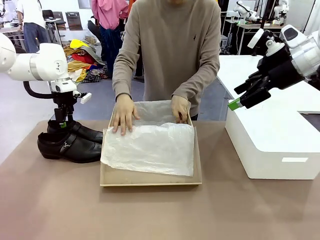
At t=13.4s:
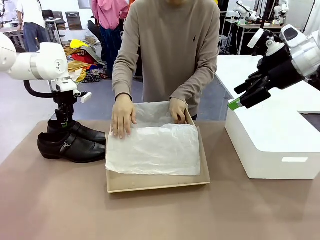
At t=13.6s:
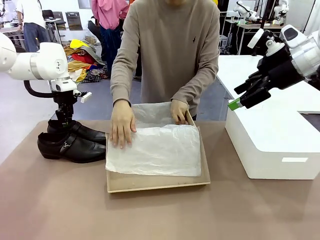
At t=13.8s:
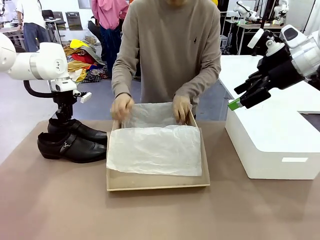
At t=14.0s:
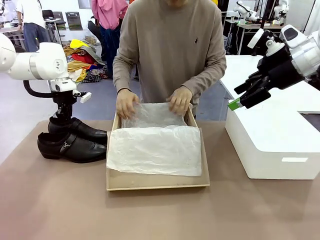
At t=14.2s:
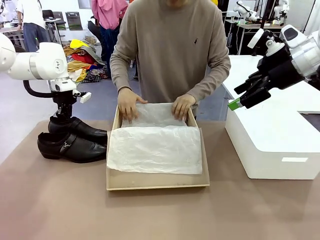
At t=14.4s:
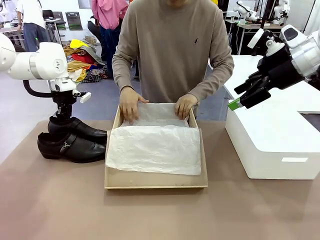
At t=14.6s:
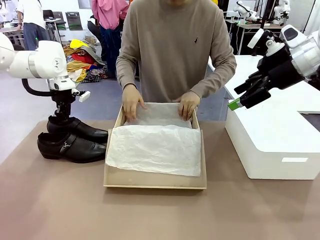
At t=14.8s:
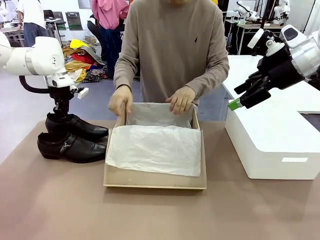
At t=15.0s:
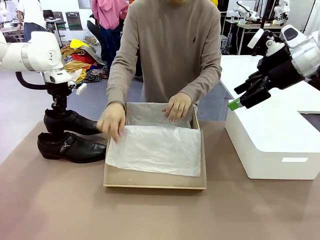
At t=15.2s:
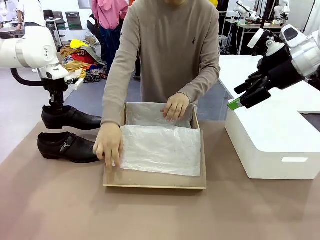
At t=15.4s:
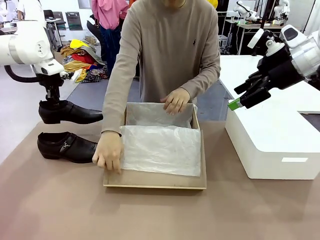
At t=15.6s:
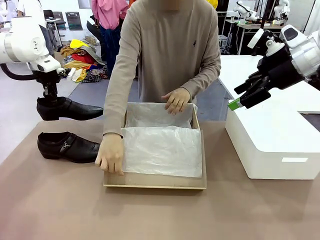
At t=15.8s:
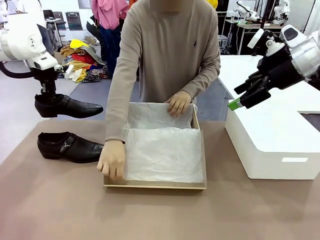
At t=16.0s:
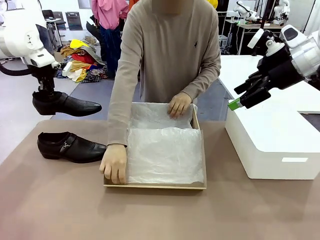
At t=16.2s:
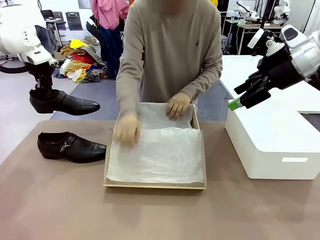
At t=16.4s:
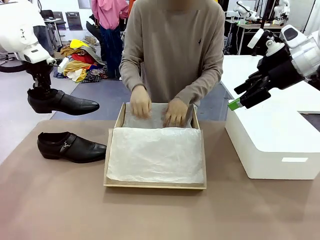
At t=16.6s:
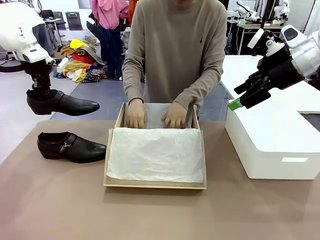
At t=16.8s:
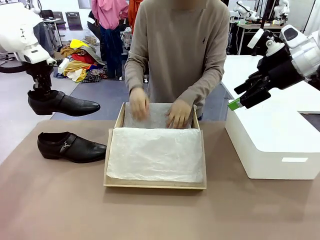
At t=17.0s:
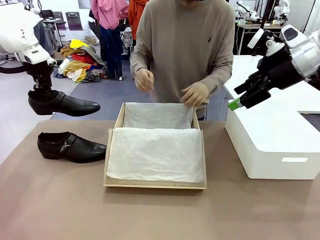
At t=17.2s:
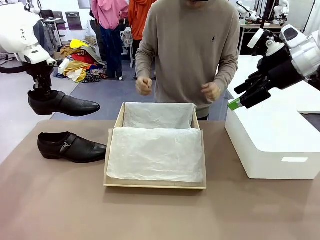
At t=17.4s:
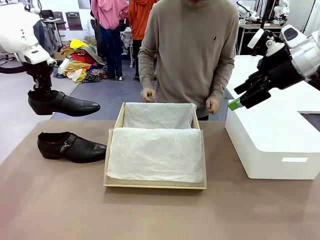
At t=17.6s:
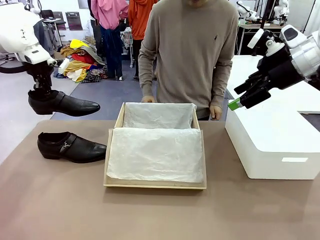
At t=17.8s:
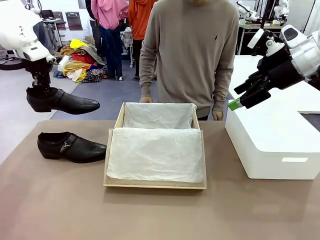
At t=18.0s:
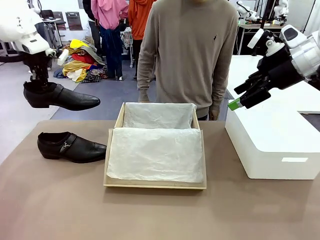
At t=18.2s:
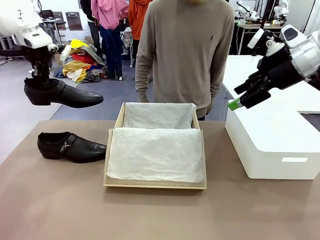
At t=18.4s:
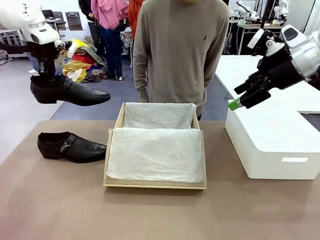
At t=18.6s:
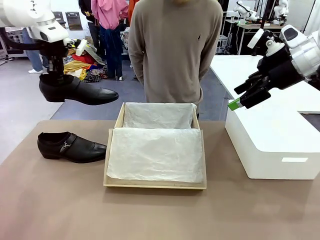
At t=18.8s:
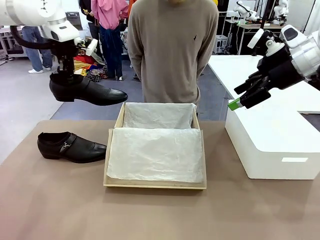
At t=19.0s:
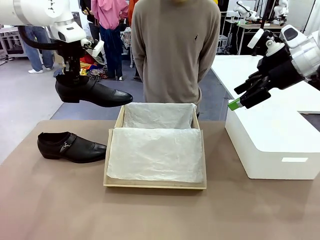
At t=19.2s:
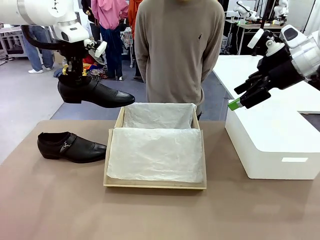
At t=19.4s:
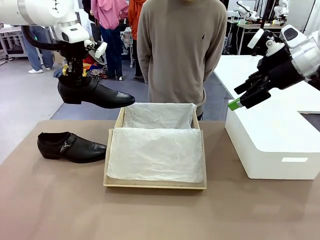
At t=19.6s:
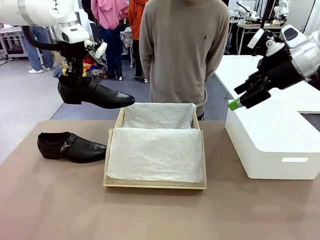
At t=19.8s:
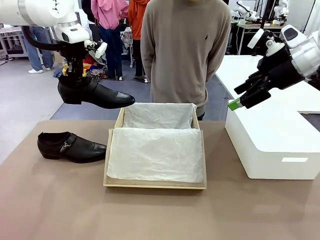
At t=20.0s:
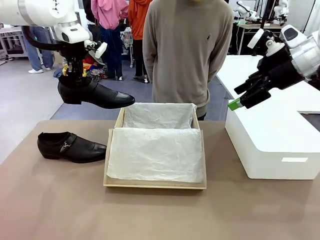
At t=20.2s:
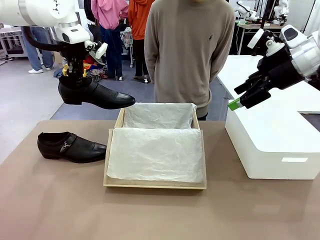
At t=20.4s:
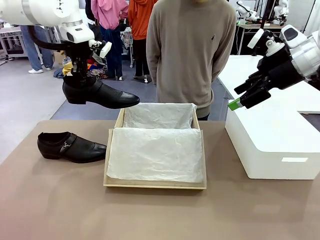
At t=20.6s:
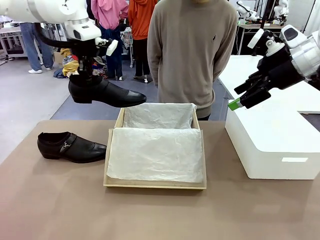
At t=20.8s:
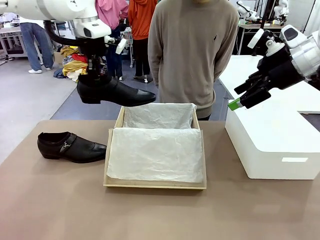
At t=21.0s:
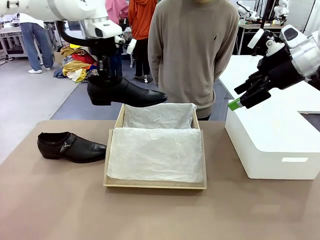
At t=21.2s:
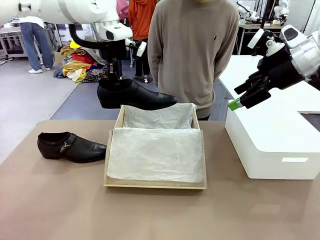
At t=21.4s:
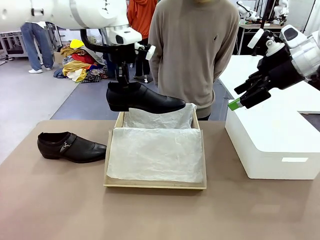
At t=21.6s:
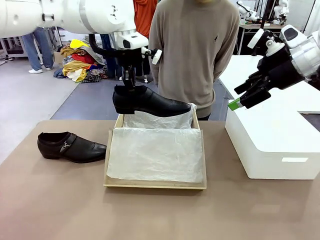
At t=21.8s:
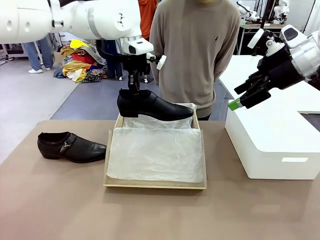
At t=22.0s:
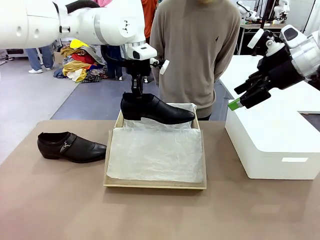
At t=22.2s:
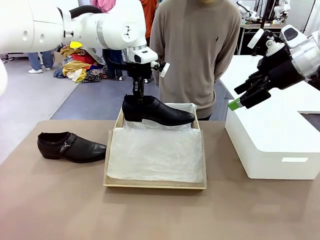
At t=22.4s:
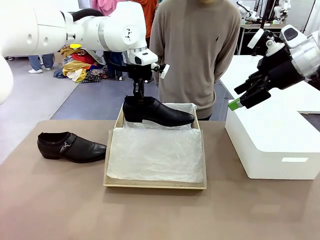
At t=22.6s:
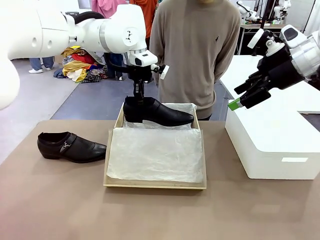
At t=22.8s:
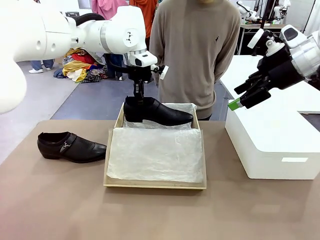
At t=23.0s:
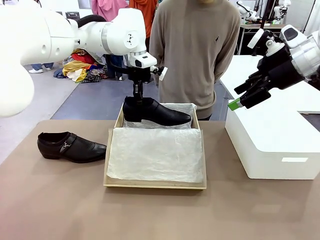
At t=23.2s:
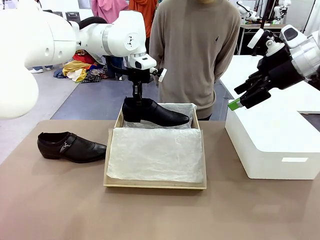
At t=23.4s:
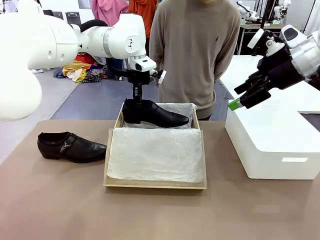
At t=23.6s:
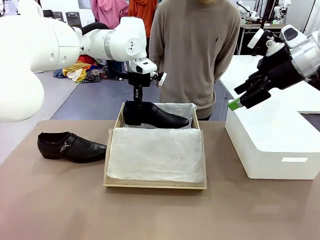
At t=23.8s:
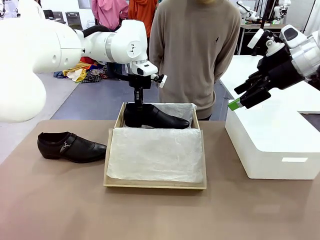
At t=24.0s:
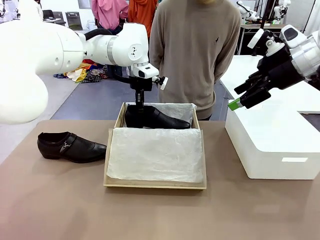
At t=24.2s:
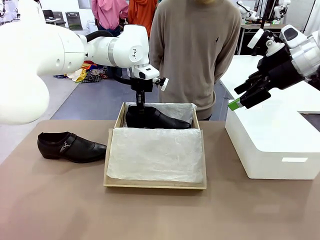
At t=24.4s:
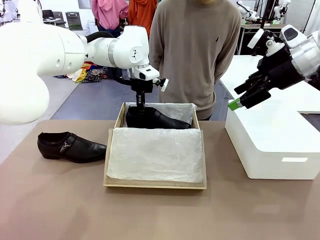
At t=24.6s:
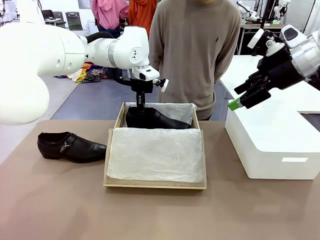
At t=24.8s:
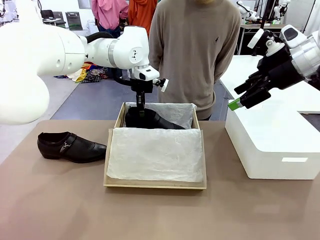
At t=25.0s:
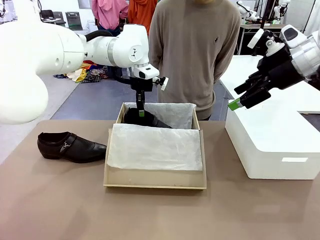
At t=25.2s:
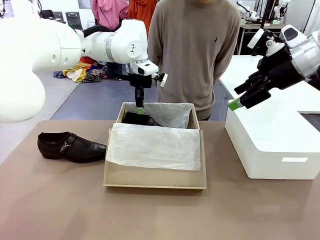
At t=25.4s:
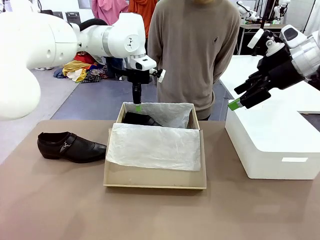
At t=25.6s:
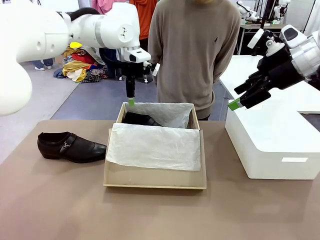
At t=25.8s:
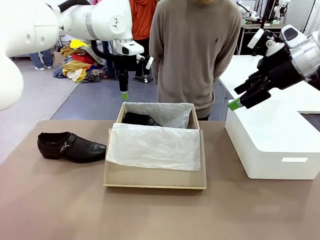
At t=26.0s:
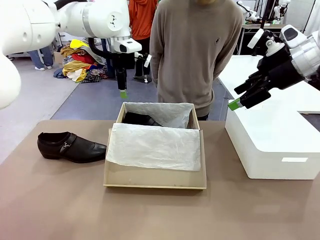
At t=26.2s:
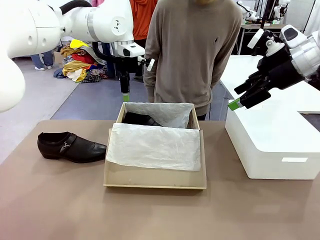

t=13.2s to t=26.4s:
Task: Pack the shoes into the box.
Robot: Place one shoe of the Shoes into the Shoes Box.

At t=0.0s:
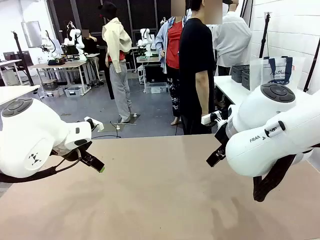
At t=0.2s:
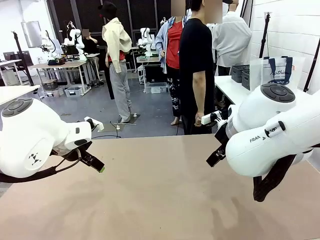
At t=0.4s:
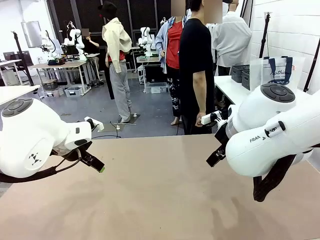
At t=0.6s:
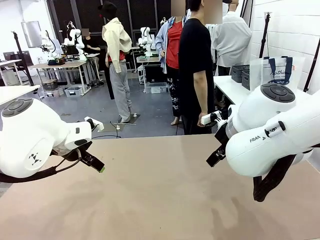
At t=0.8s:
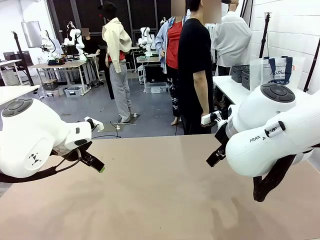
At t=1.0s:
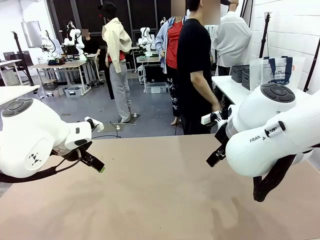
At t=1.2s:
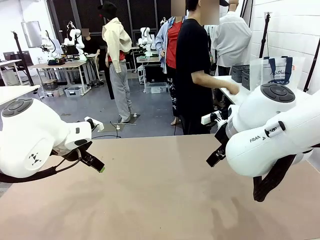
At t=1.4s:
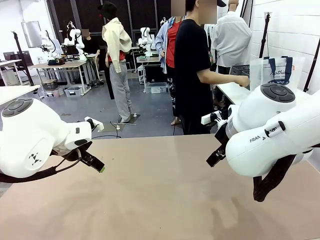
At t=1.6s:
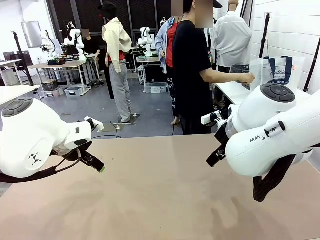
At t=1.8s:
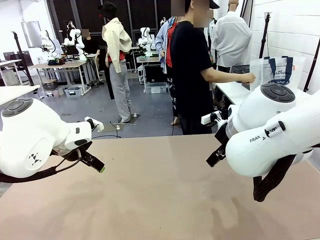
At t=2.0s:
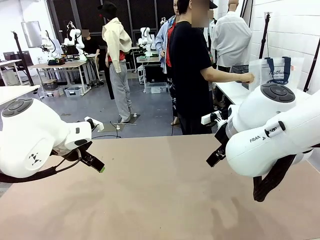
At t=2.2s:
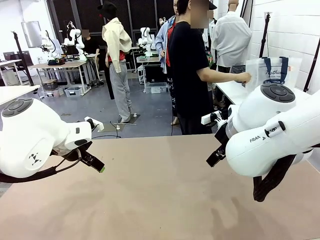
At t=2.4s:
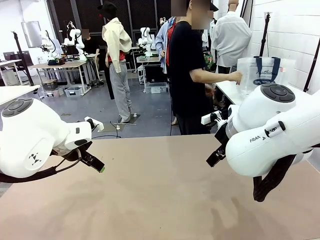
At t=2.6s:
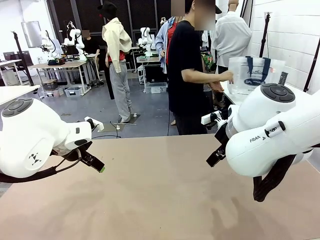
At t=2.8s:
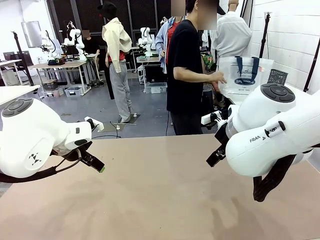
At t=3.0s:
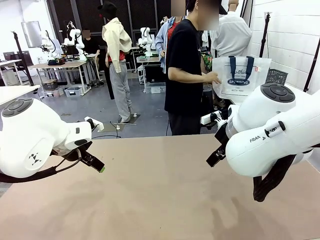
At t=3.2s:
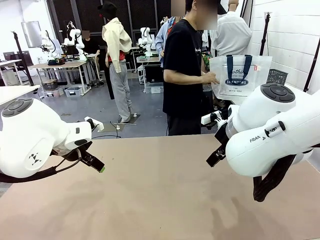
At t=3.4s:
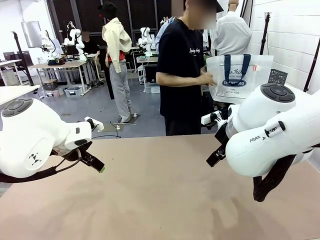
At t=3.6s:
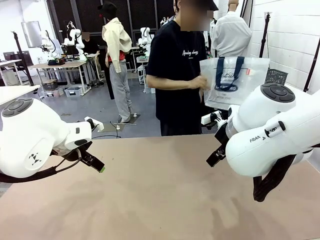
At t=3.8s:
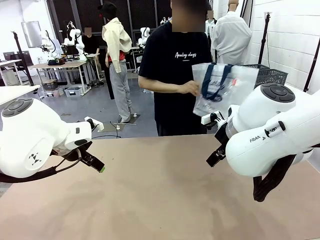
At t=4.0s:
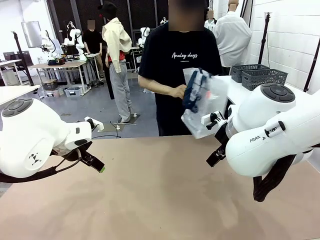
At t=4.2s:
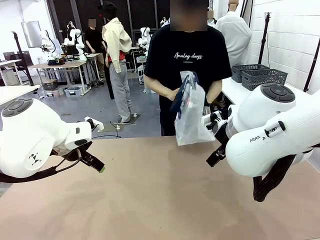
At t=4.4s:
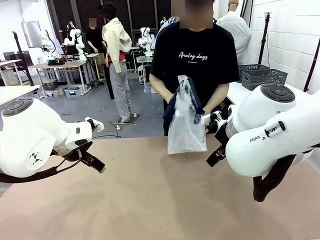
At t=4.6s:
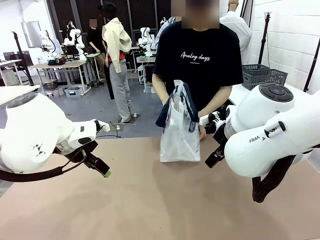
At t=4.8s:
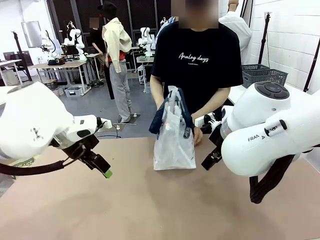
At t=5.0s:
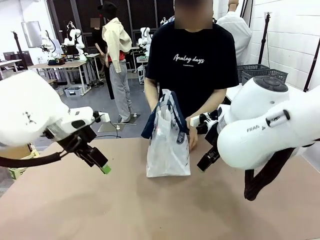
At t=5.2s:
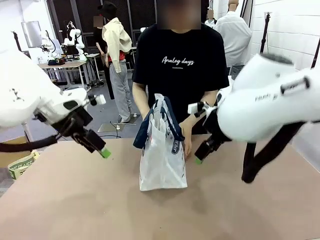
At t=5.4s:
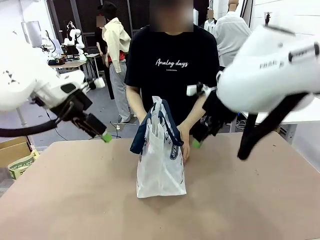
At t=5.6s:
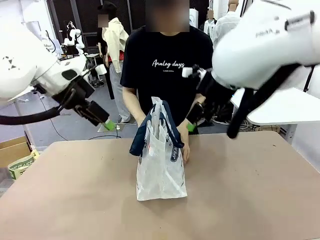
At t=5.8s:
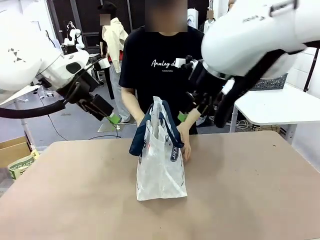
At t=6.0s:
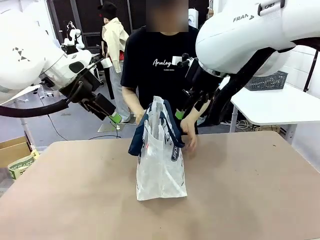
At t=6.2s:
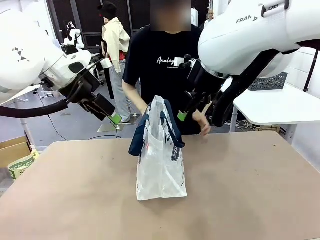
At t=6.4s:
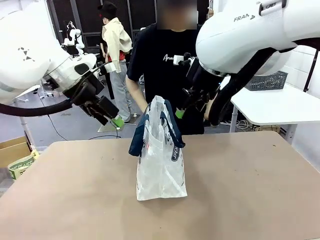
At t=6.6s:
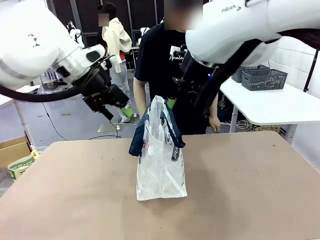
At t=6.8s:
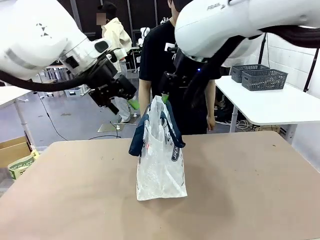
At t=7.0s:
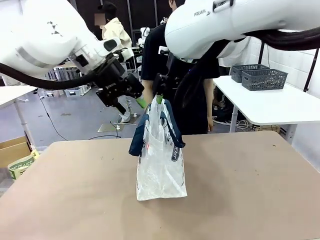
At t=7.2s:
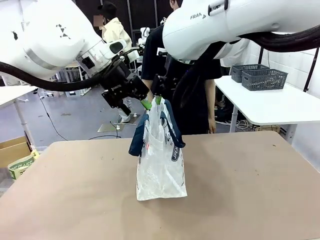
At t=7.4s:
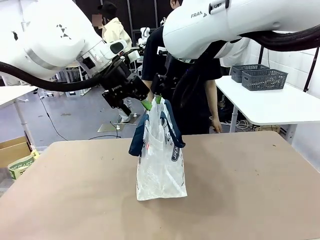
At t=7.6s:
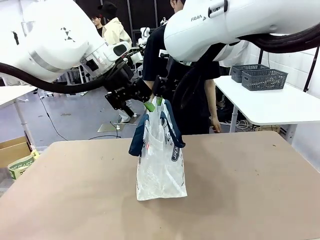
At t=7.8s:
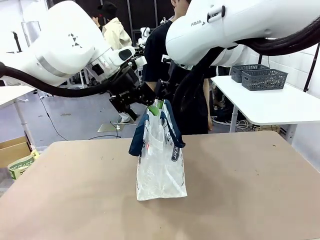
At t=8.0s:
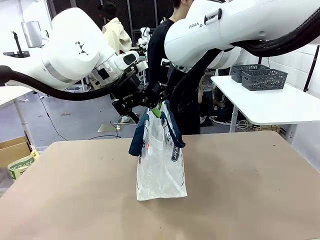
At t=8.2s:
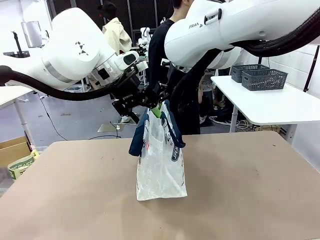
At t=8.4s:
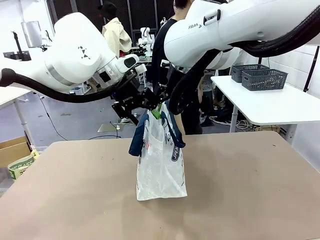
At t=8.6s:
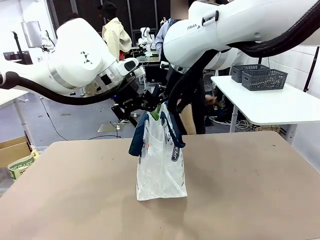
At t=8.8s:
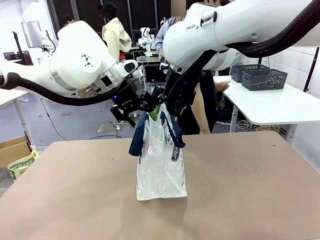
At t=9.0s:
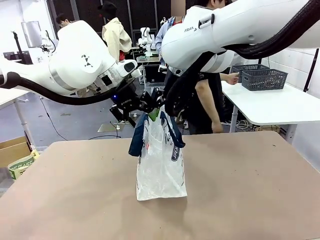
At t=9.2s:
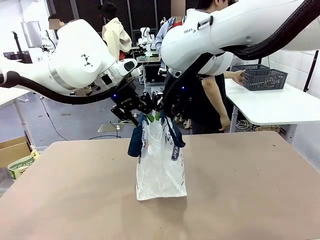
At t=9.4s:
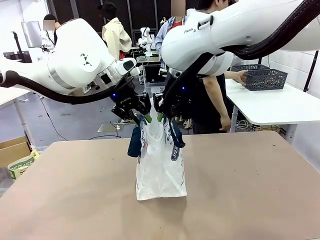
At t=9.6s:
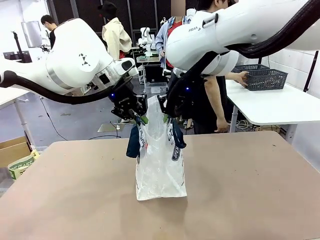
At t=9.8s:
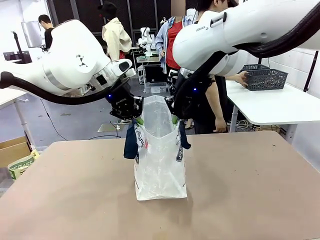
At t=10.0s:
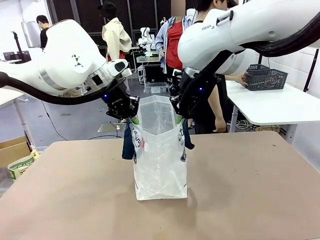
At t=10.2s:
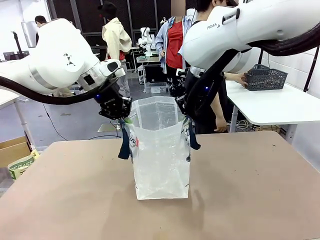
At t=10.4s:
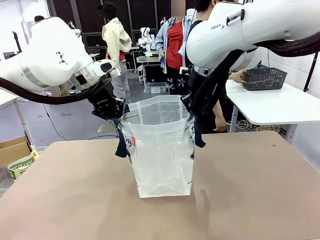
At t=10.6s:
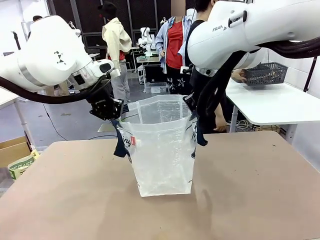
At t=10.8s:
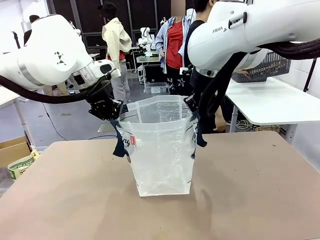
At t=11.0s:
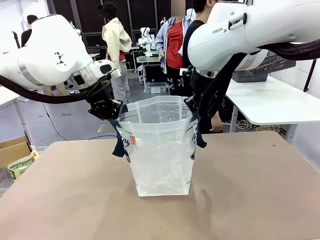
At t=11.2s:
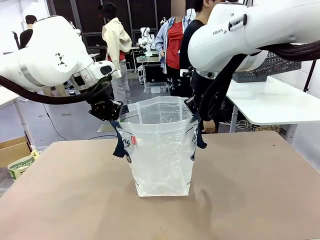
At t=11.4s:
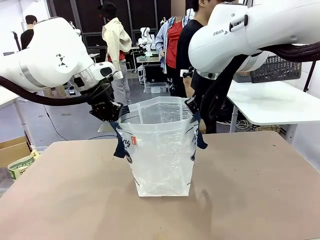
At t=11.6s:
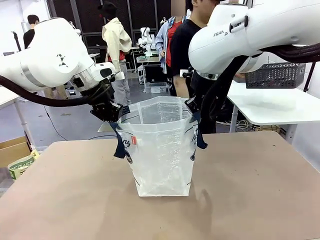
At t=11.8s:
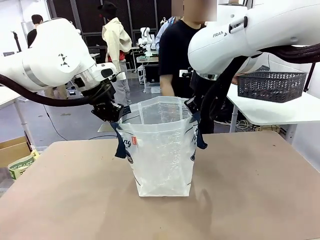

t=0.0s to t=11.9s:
Task: Transfer purchased items from the store into the shopping bag.
Robot: Open the Reusable shopping bag in the center of the table.
Person: Pick up the shopping bag and place it in the middle of the robot table.
